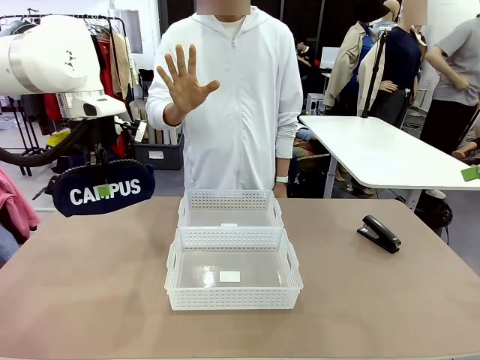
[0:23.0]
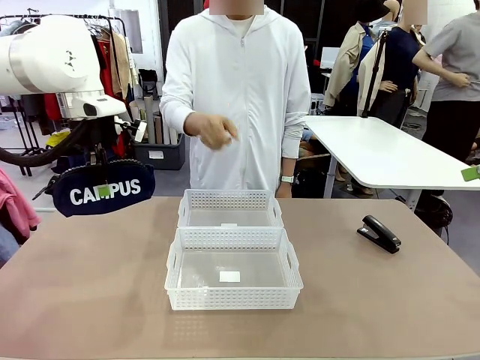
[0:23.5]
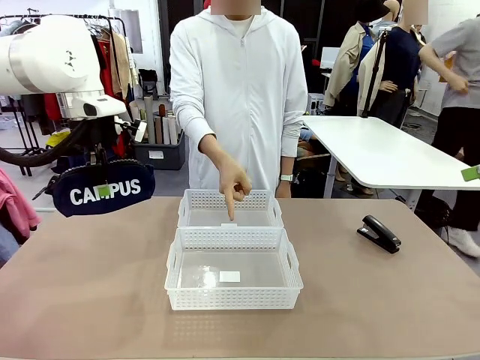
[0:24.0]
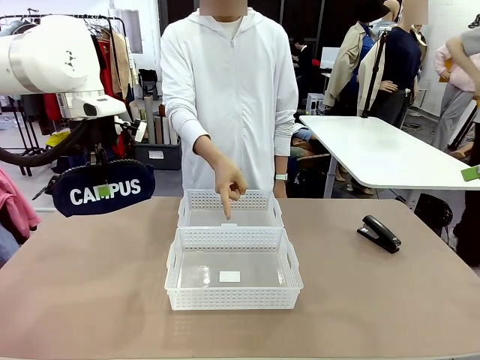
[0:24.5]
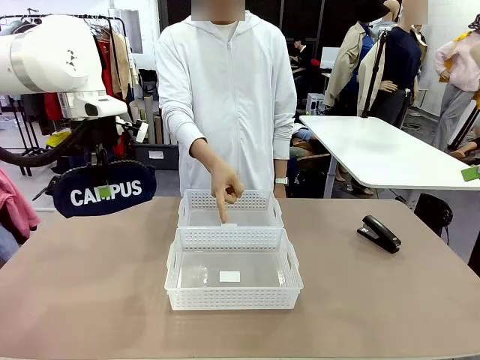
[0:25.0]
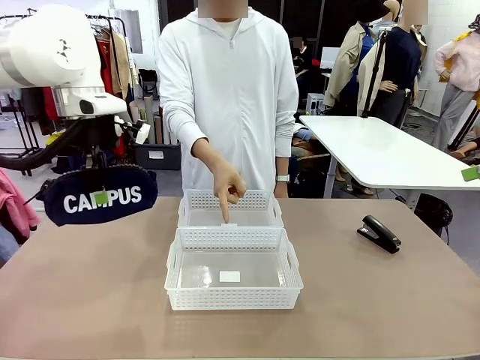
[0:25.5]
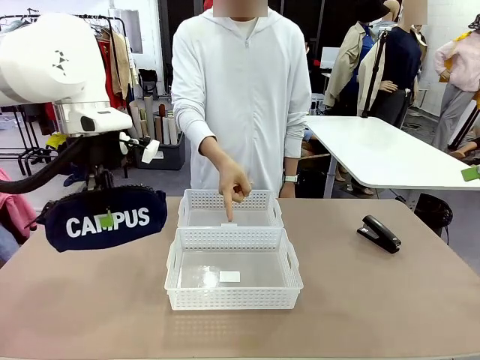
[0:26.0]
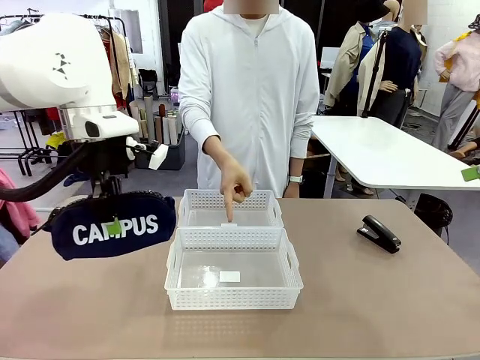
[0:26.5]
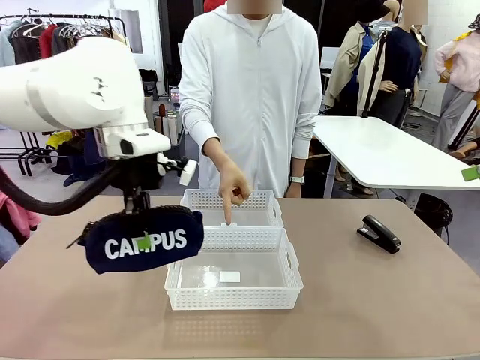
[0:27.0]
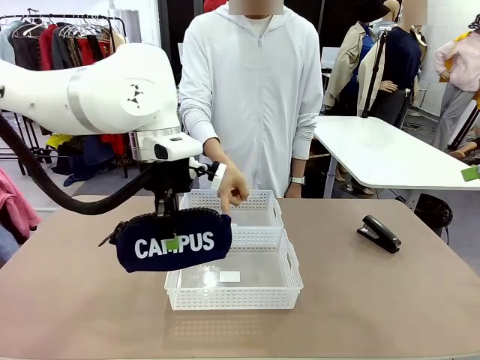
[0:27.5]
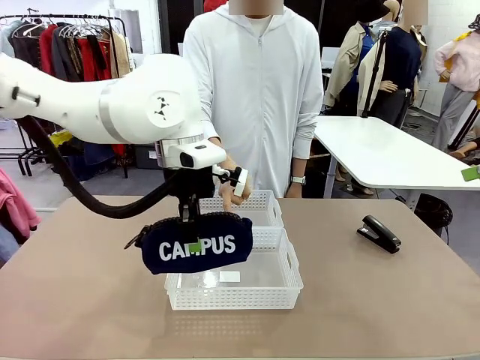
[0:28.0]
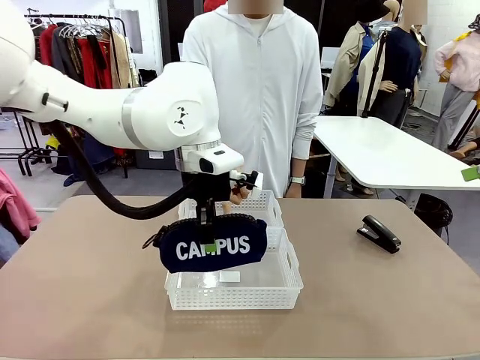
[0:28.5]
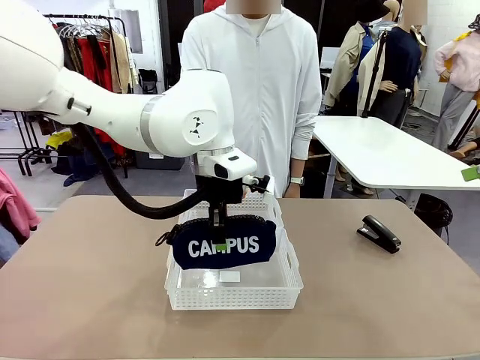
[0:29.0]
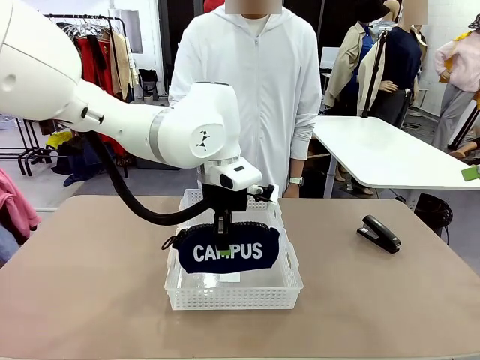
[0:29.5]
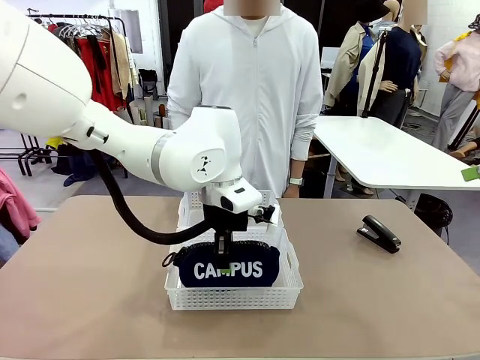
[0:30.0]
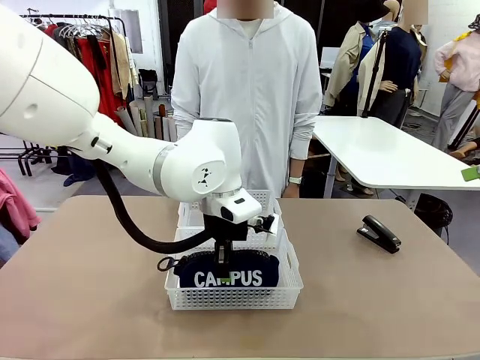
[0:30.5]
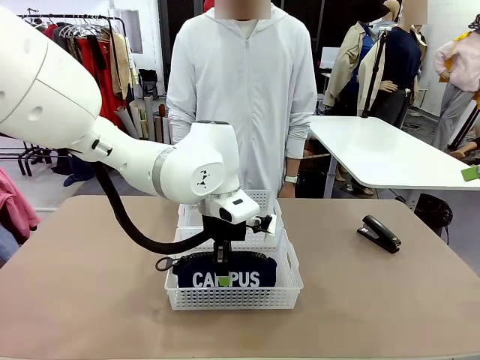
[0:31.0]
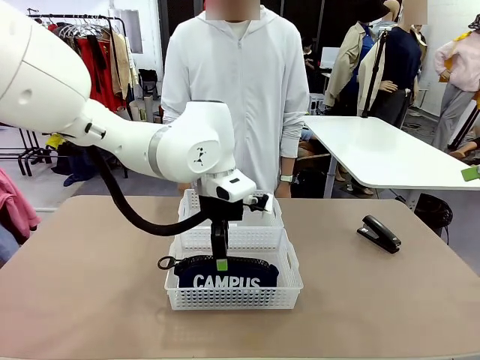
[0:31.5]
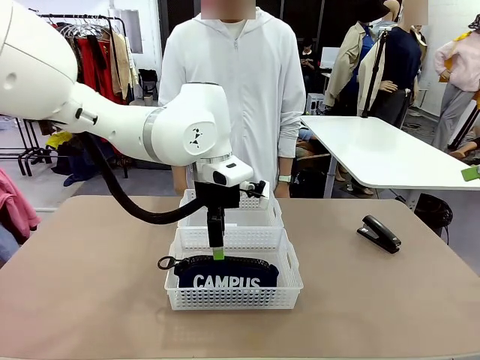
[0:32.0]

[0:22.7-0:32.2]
Task: Distribute items into two baskets.
Robot: Place the picked Pencil pouch into the Organizing basket as instructed by the person.
Person: Instructs the robot to place the pencil case into the opposite basket. Points to the stapler.

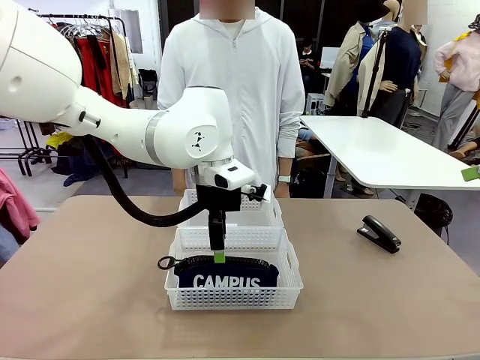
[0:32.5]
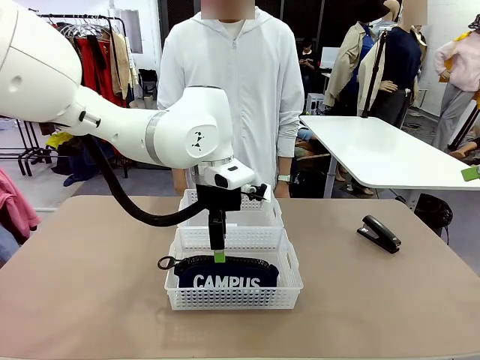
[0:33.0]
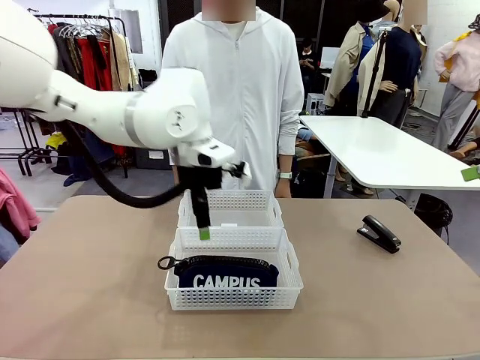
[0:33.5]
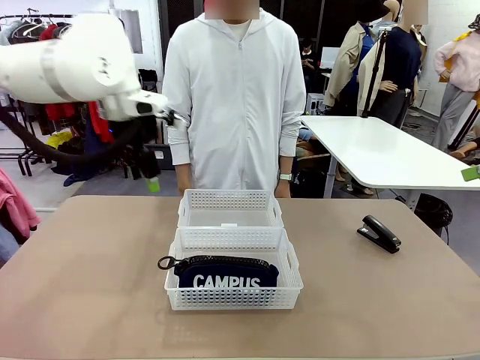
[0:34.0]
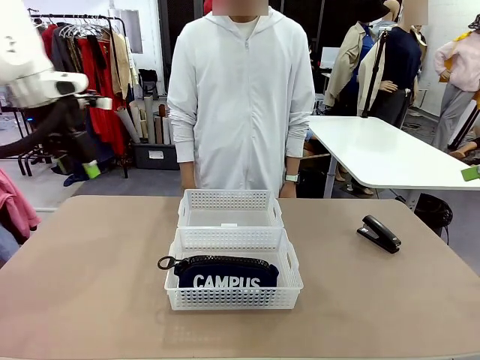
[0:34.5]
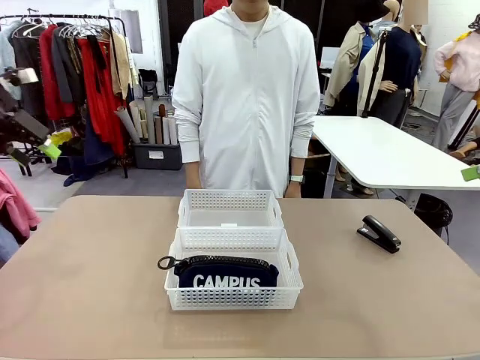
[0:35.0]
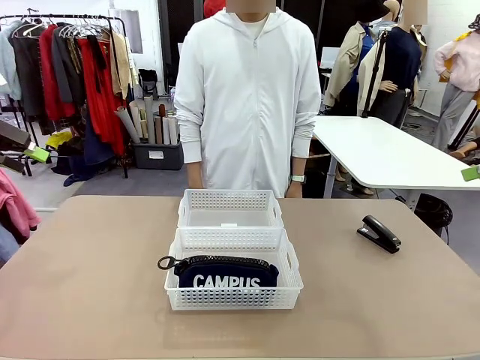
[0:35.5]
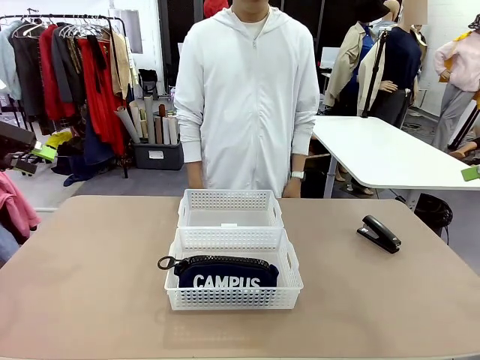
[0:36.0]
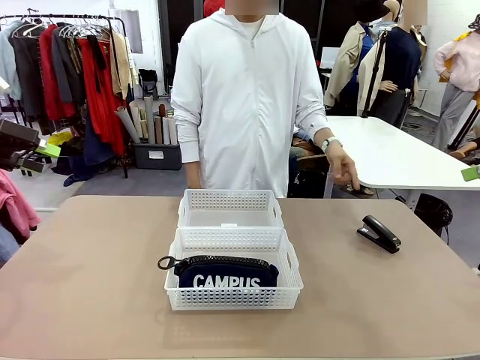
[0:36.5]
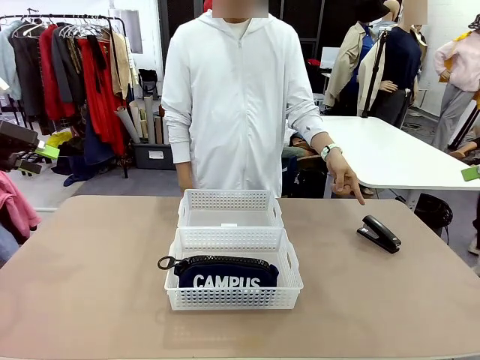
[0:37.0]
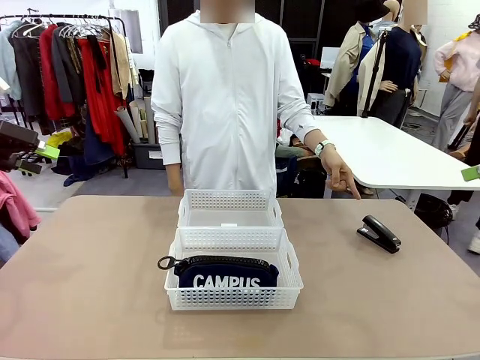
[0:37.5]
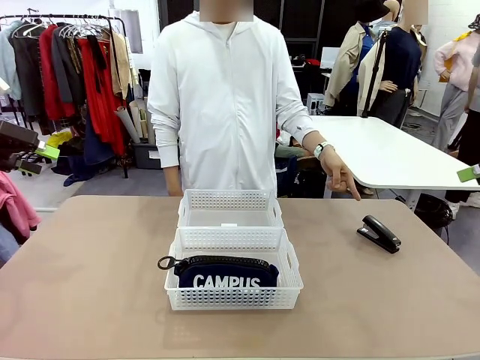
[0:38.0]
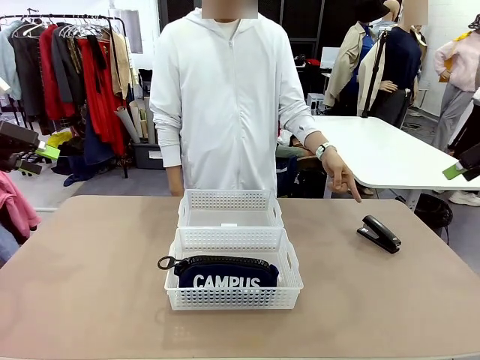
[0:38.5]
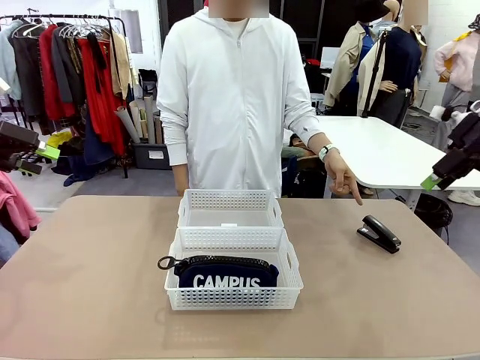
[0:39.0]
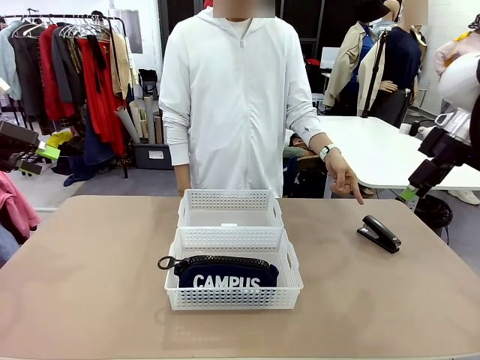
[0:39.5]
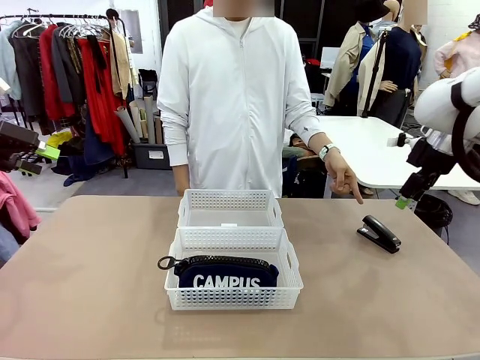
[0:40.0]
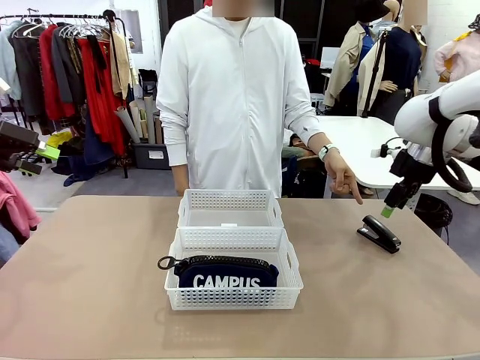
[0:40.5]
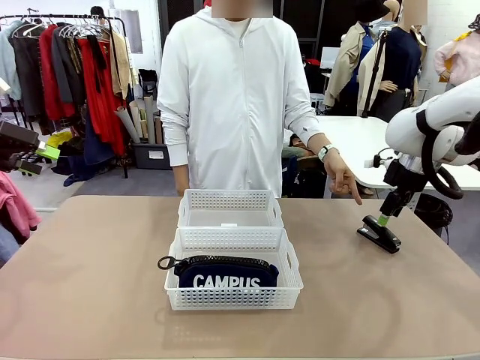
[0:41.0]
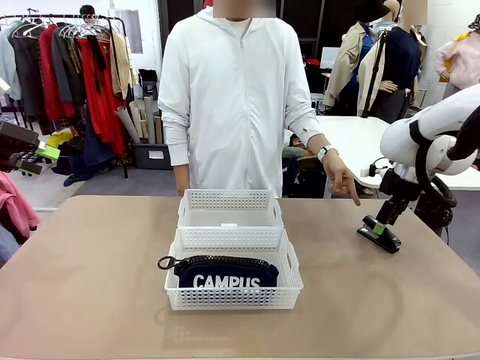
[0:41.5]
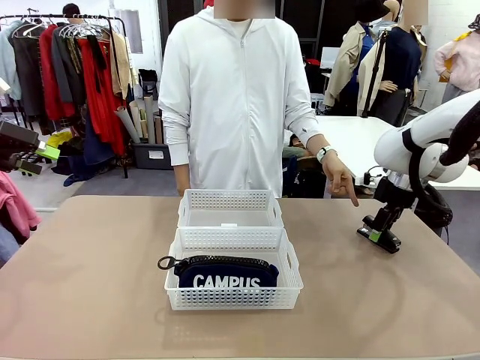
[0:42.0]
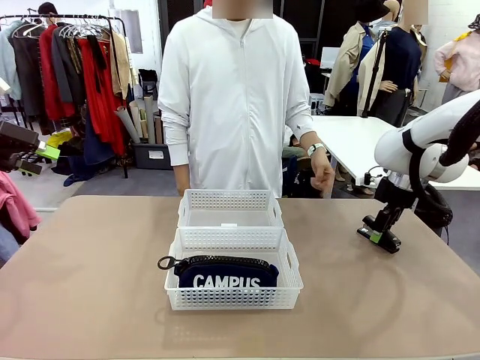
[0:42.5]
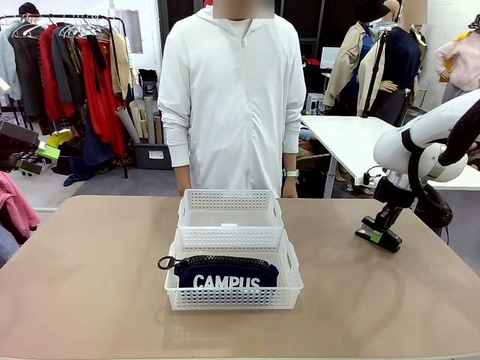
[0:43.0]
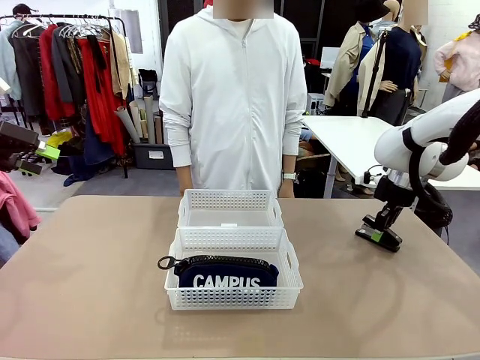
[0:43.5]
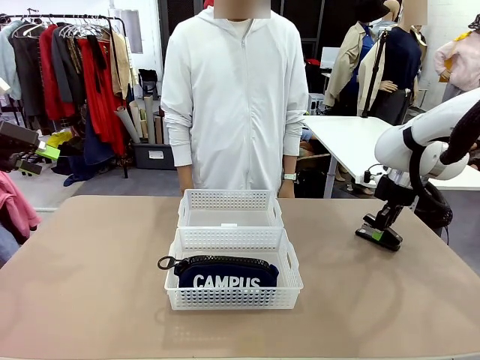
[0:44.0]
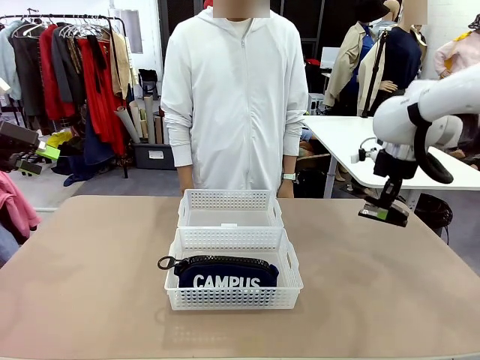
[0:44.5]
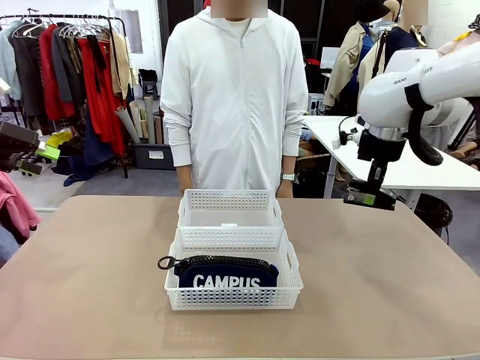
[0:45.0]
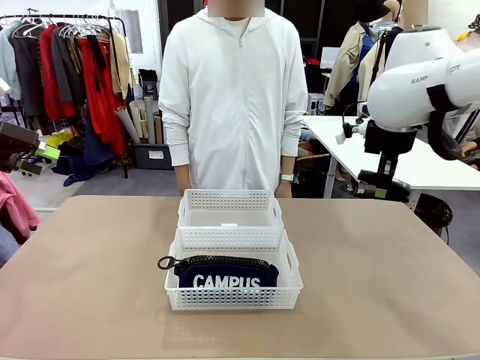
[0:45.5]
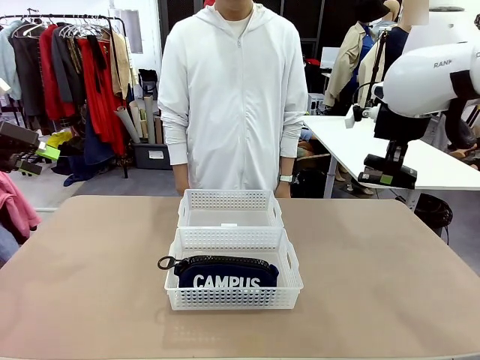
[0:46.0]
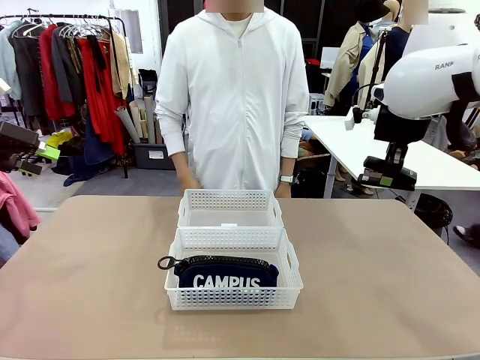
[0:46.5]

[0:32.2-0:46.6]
Robot: Pick up the Stapler that the person points to.
